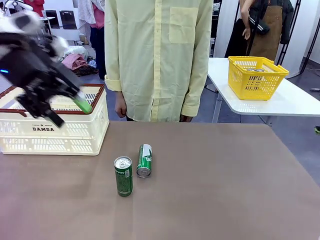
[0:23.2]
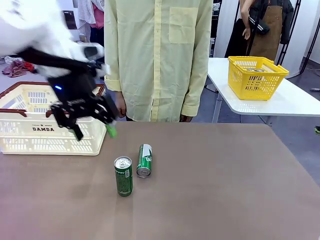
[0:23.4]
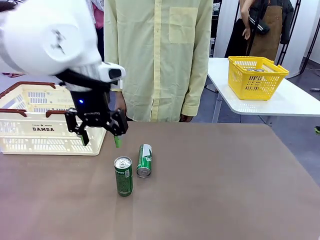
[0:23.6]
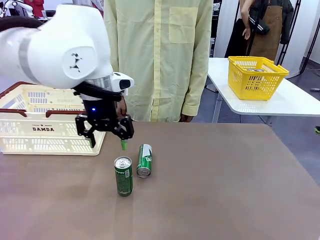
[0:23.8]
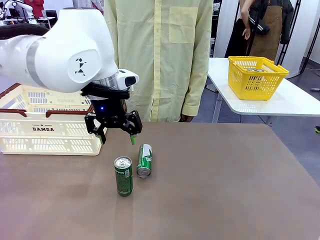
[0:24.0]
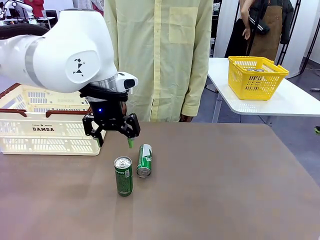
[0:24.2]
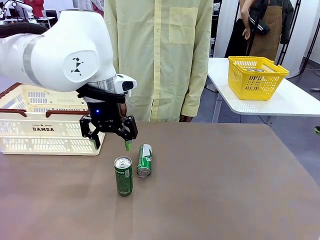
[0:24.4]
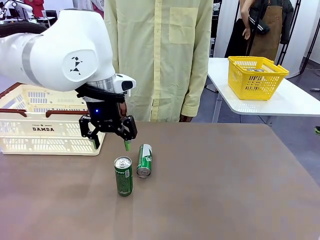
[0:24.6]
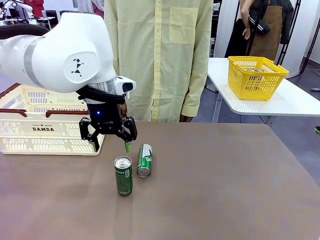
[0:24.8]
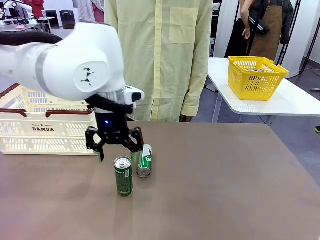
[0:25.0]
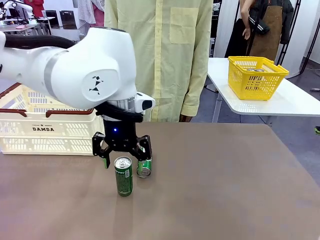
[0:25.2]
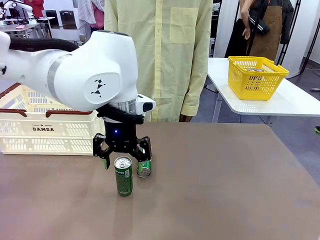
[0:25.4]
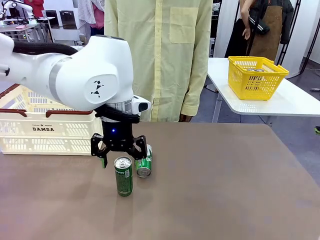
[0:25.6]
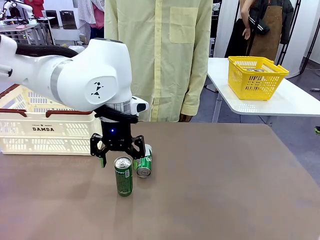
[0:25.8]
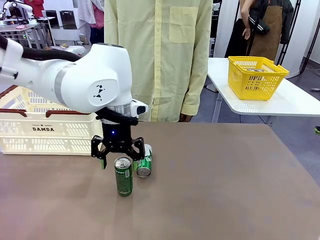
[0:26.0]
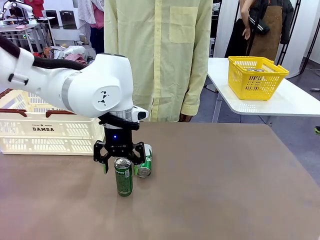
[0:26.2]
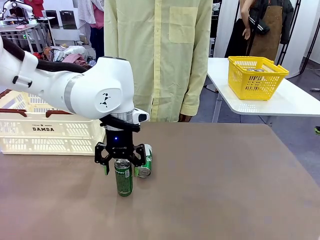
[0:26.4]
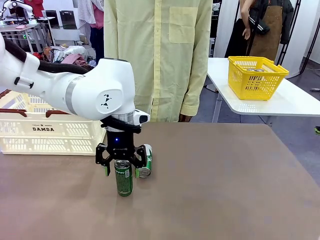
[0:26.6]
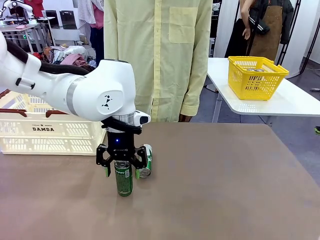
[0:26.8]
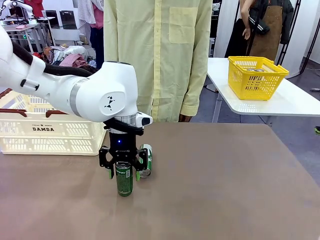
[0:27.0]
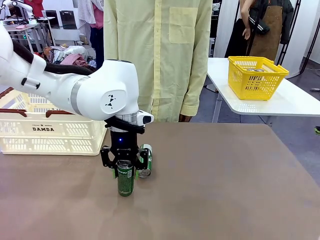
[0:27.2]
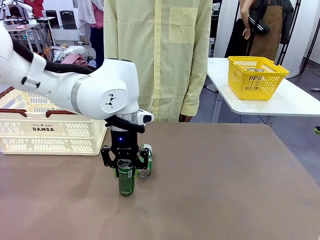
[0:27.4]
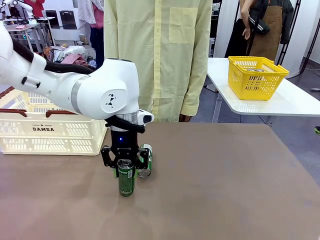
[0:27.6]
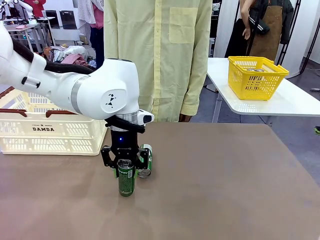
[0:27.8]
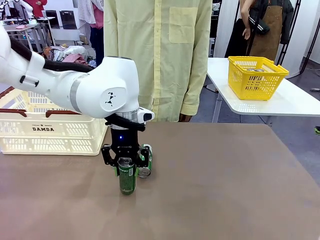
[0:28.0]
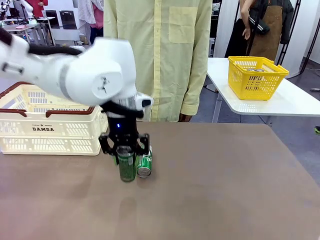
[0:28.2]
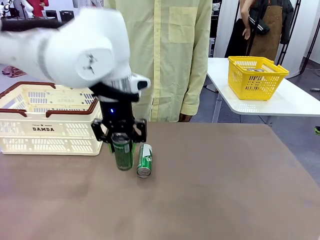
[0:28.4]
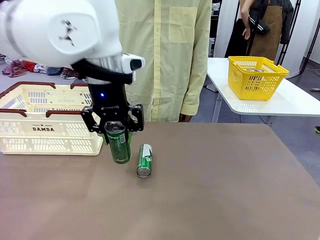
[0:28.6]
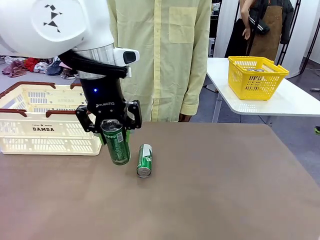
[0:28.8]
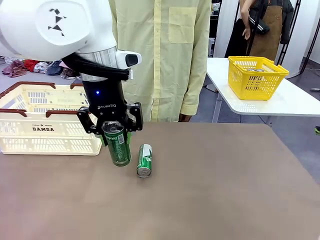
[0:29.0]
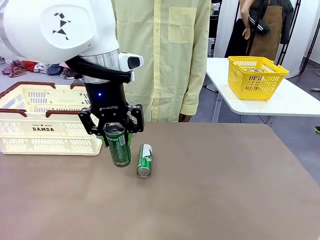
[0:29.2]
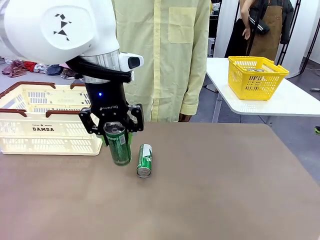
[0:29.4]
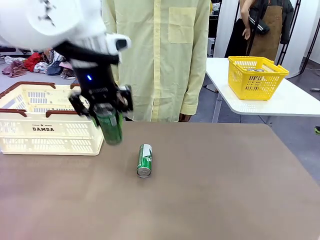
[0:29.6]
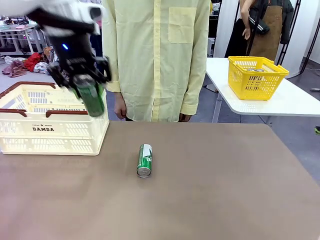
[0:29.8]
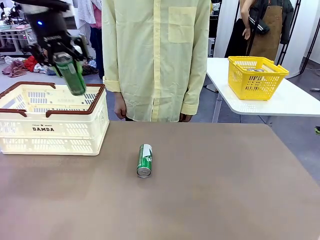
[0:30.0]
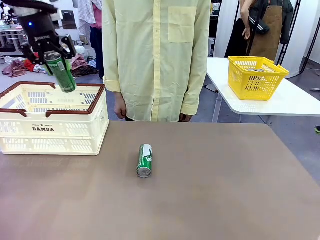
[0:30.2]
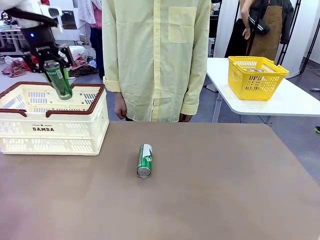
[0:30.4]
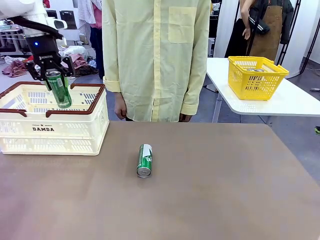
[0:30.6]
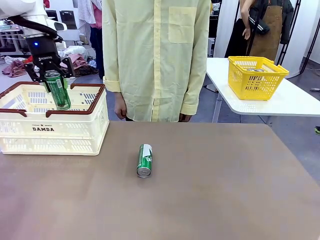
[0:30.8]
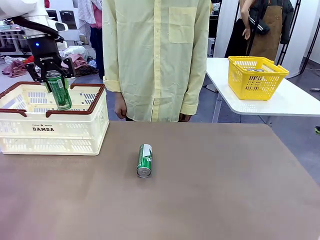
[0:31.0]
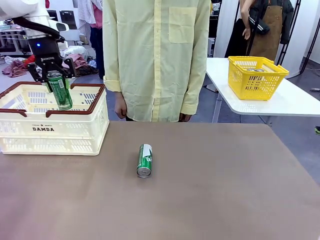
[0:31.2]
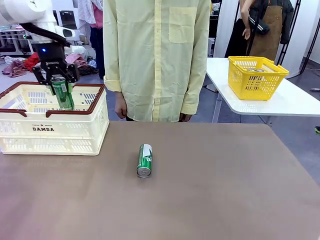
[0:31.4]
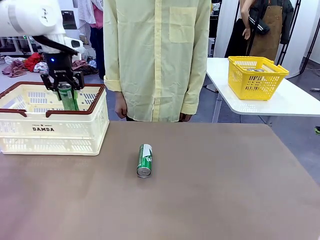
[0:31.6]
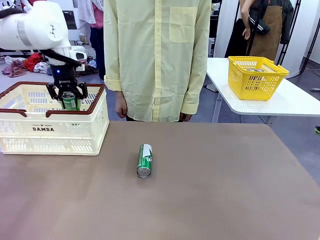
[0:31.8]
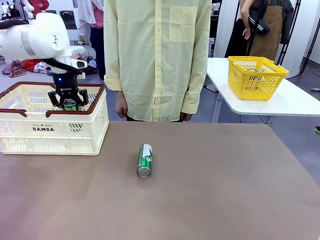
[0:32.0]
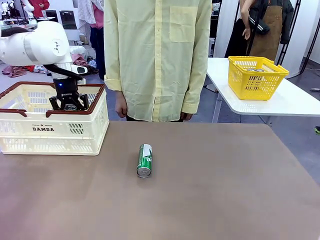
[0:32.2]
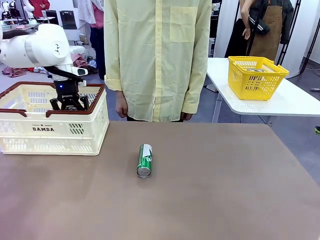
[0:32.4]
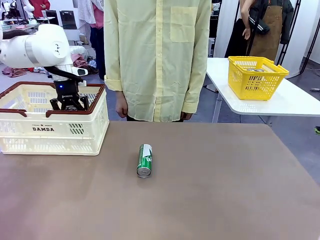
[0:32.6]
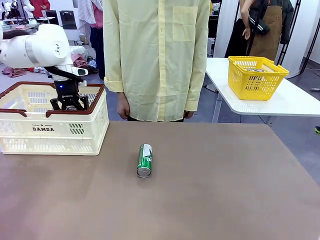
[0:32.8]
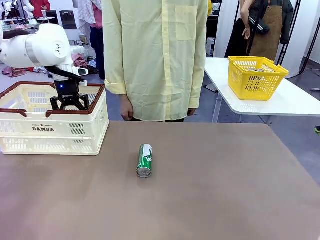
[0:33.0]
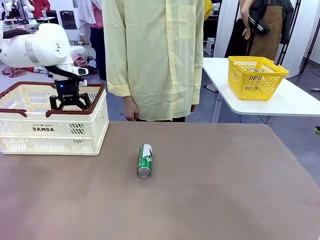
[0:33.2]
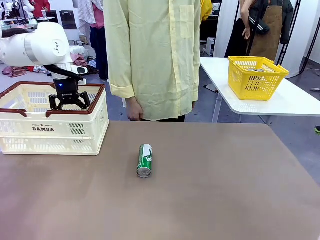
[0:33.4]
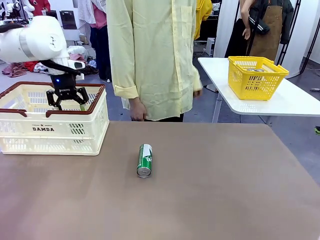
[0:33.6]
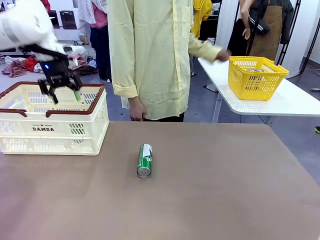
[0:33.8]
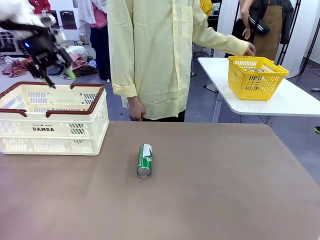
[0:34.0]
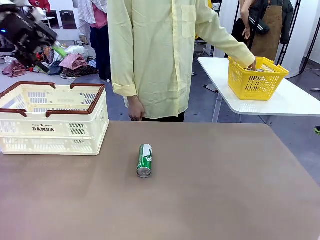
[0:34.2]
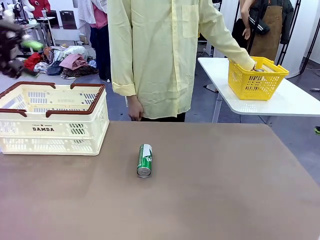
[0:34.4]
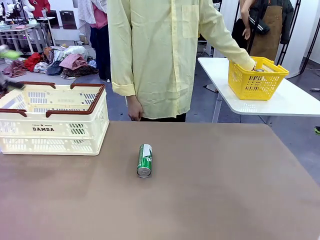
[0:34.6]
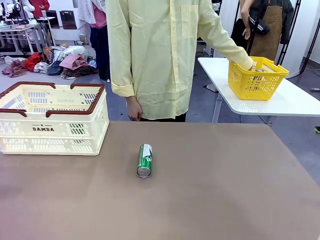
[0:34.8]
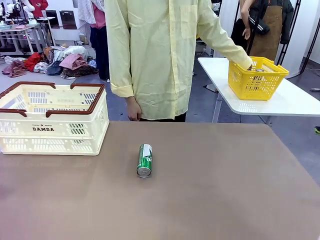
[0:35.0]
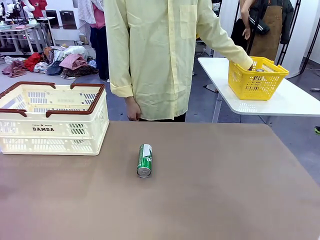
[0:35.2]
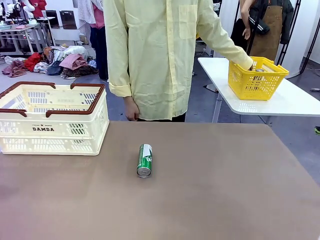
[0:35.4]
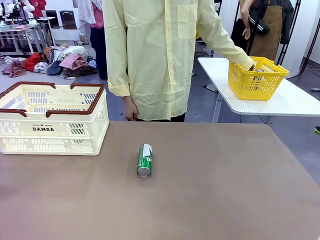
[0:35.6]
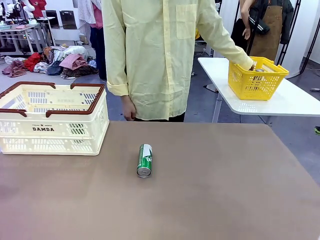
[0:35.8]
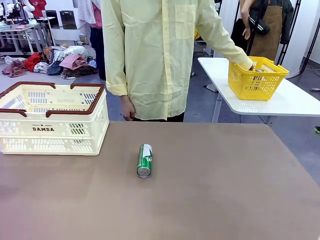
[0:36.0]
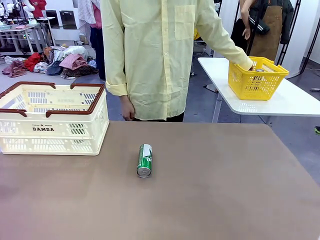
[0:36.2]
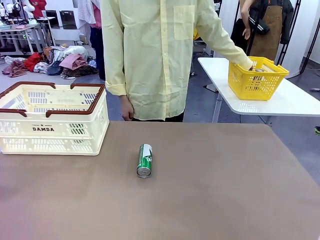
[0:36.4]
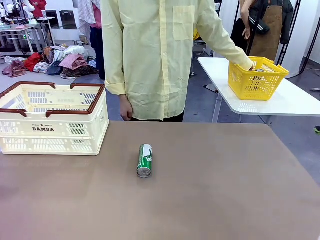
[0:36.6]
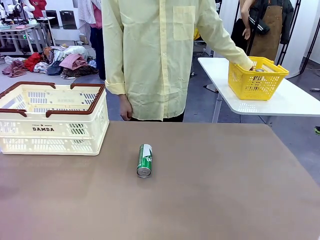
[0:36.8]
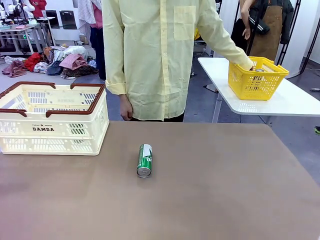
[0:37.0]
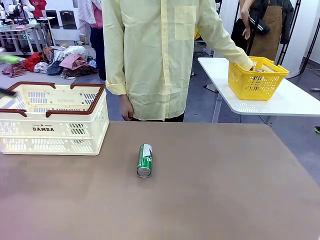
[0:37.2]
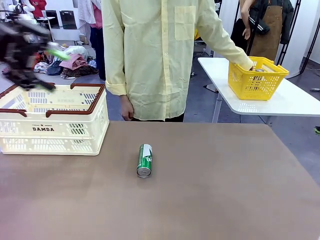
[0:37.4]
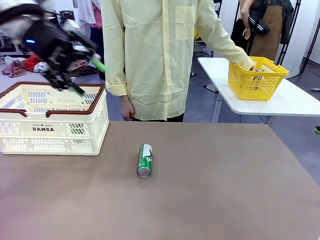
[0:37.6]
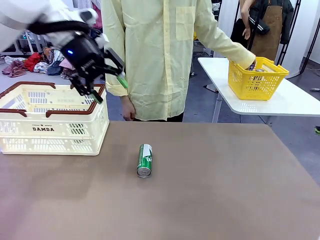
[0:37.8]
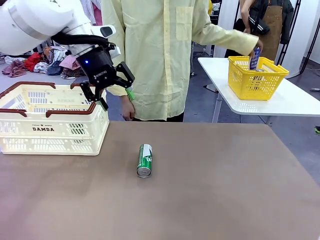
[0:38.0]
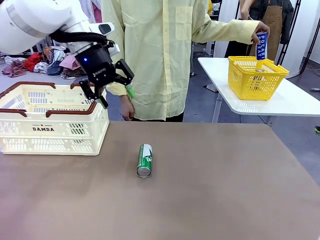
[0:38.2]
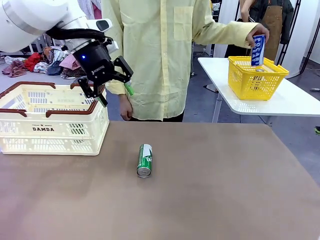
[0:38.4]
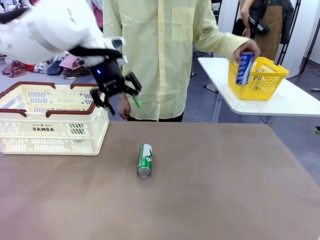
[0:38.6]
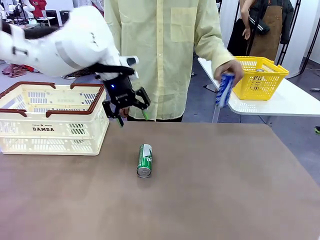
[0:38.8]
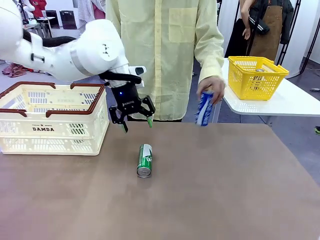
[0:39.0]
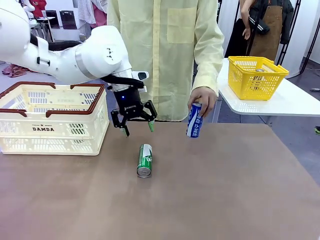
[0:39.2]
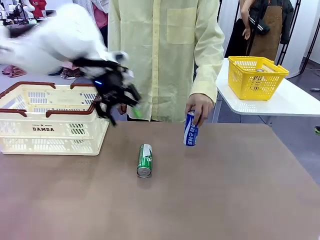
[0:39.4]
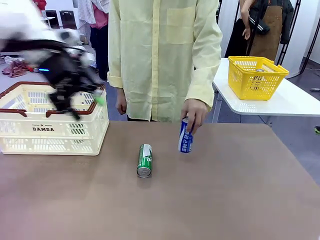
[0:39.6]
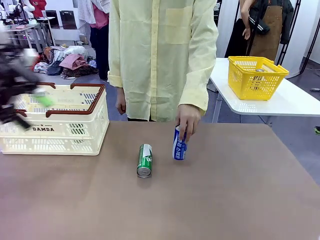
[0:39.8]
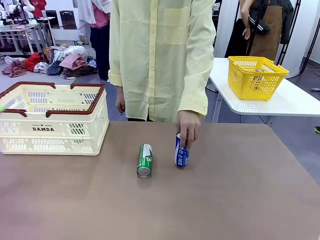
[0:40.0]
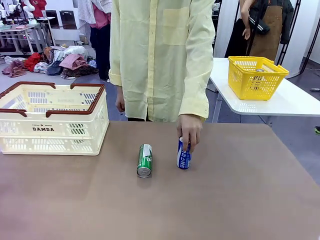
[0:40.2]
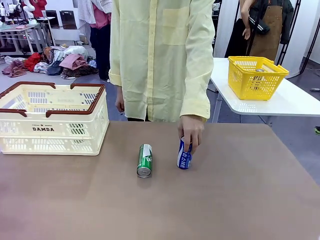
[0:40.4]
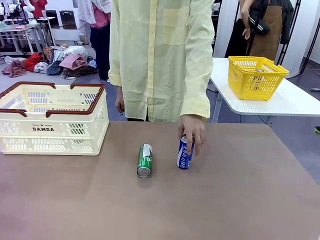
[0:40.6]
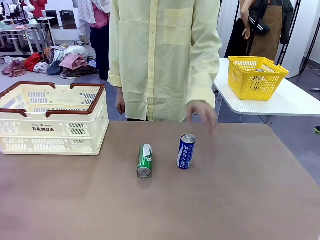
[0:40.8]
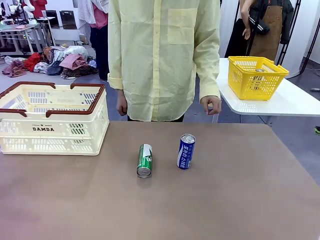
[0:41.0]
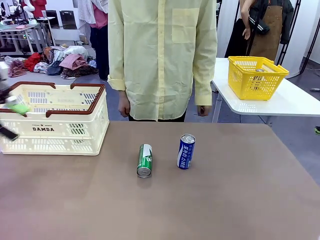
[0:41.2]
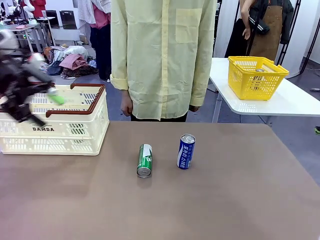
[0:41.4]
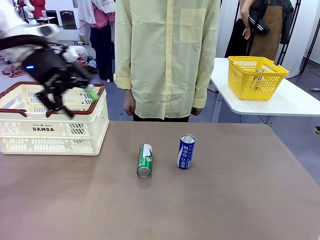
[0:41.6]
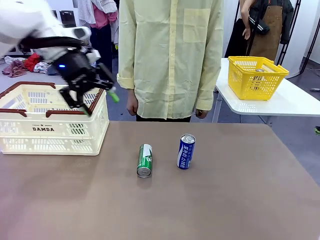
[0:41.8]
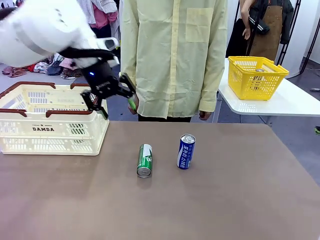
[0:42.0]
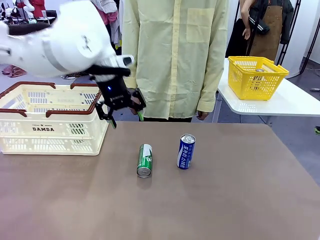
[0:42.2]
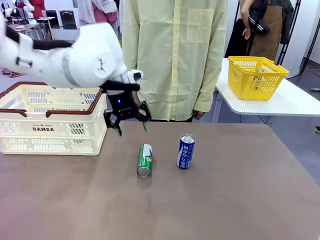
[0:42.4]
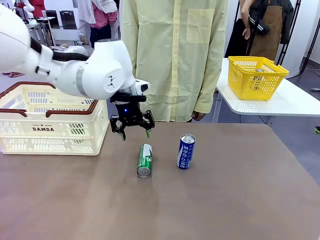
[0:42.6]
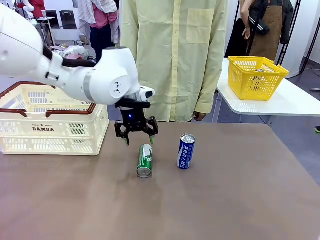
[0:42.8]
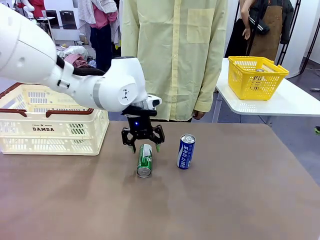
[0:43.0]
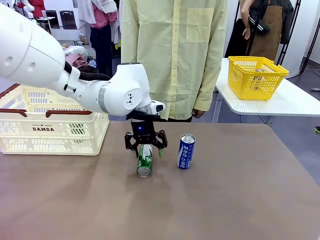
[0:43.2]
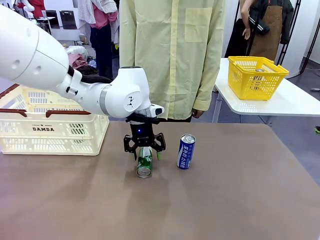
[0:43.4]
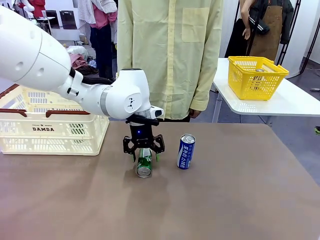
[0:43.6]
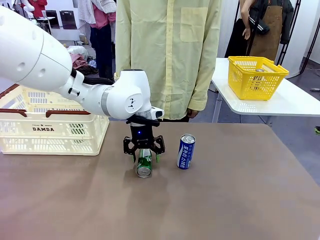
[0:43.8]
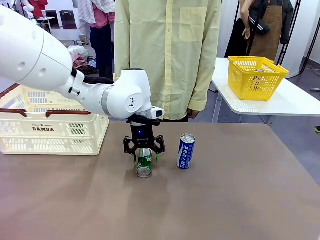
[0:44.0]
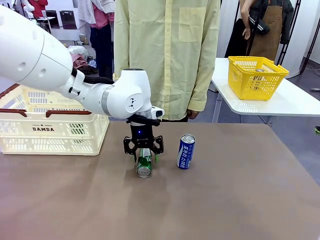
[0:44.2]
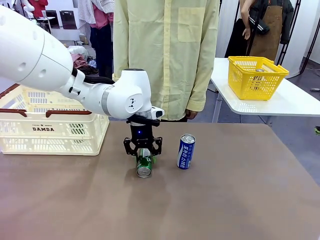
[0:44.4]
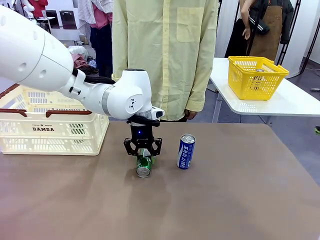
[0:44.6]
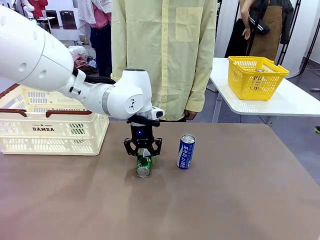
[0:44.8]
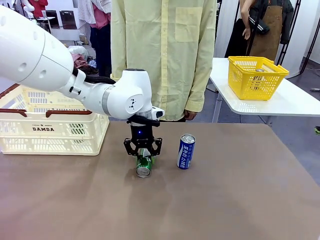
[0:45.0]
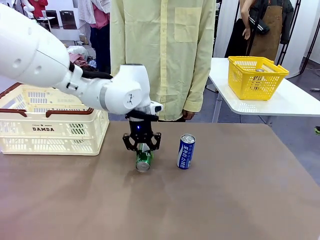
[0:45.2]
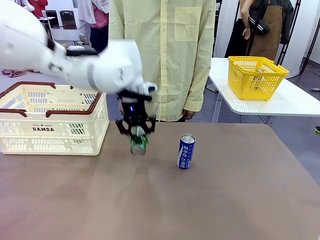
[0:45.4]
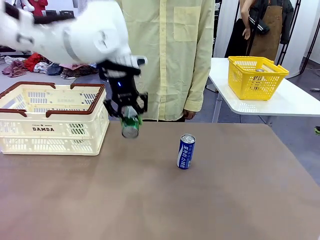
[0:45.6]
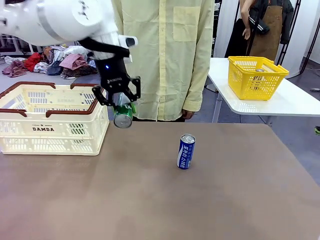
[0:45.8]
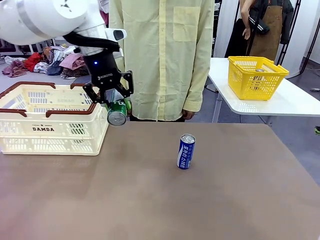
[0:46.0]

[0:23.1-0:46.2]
Task: Place the drinks into the Shopping basket.
Robot: Pick up one drink and place it into the Shopping basket.
